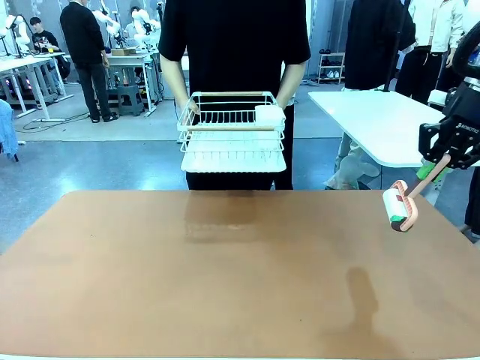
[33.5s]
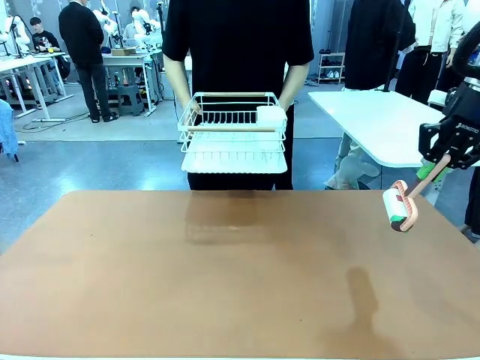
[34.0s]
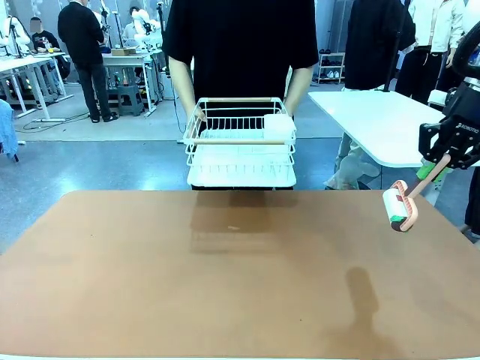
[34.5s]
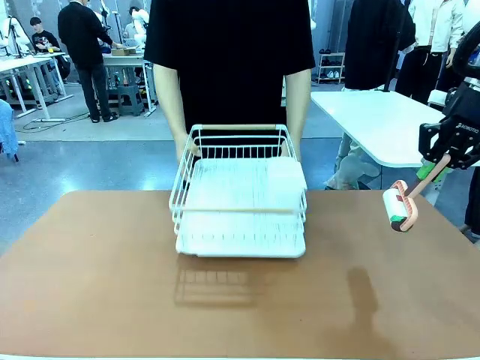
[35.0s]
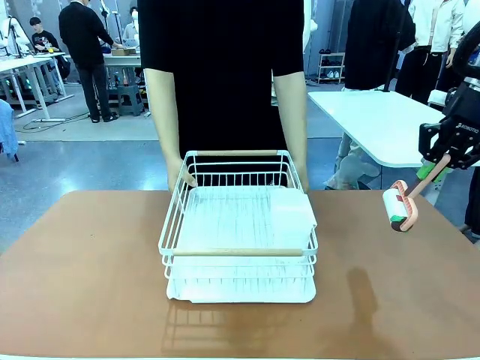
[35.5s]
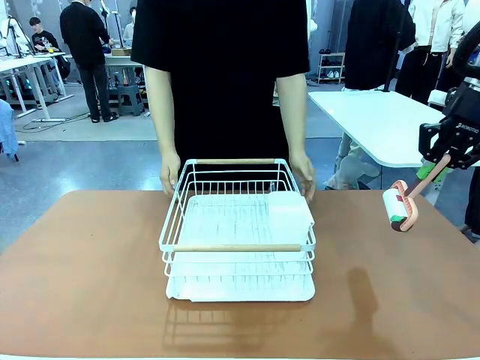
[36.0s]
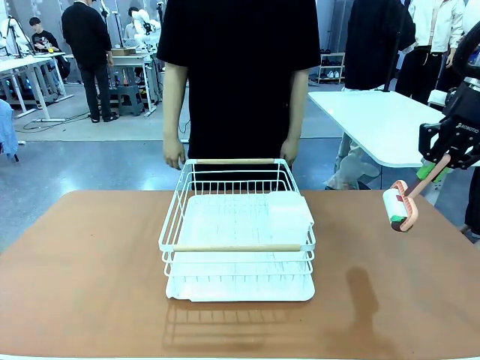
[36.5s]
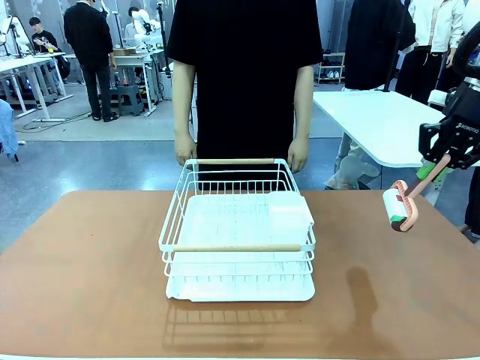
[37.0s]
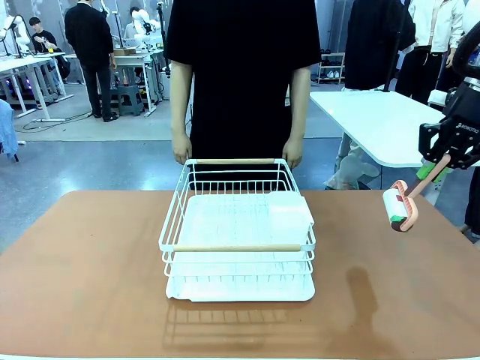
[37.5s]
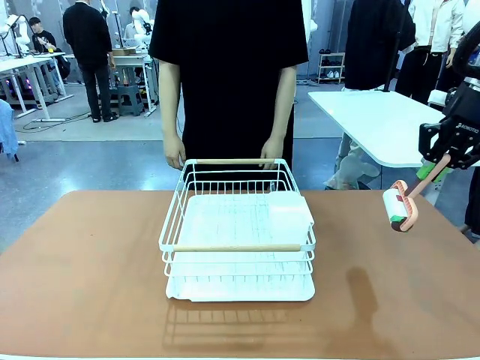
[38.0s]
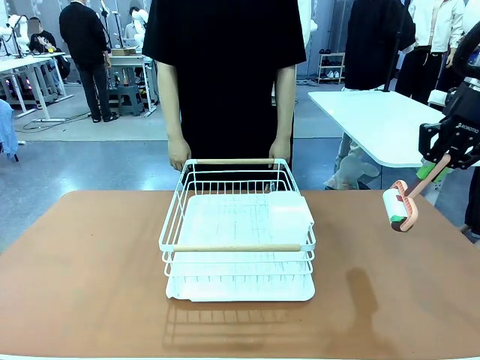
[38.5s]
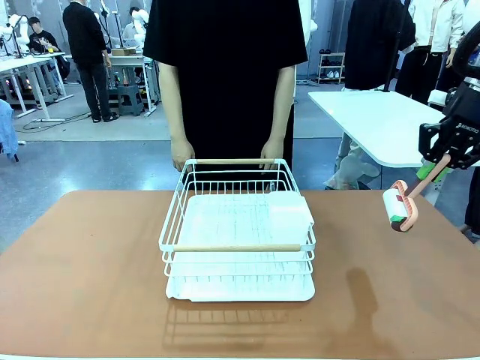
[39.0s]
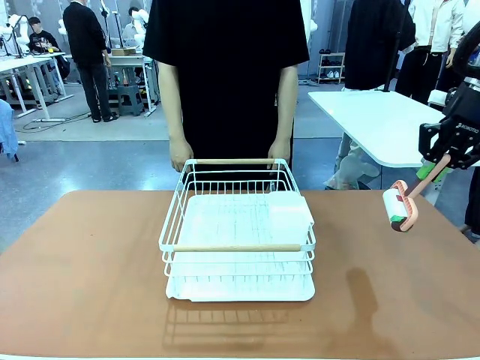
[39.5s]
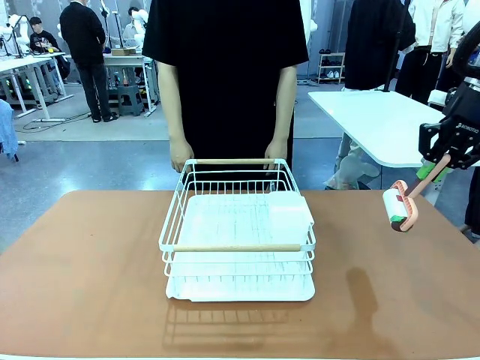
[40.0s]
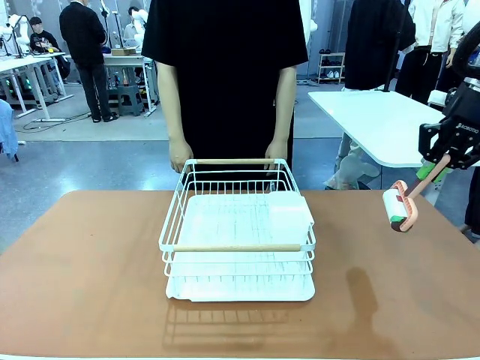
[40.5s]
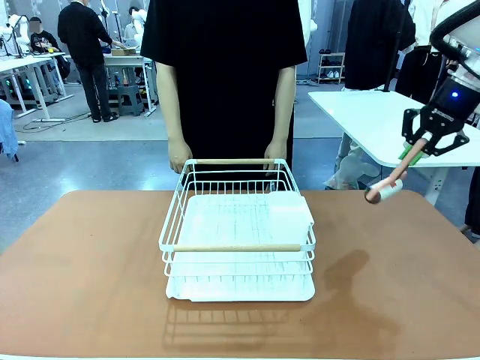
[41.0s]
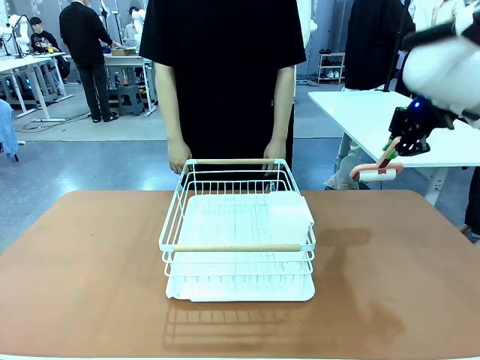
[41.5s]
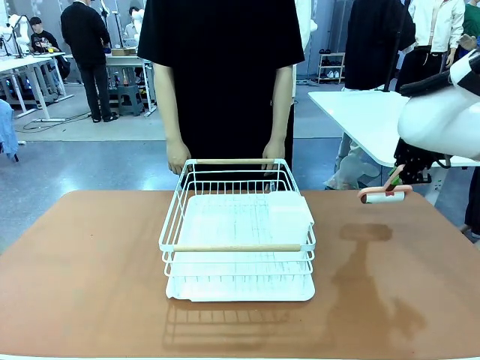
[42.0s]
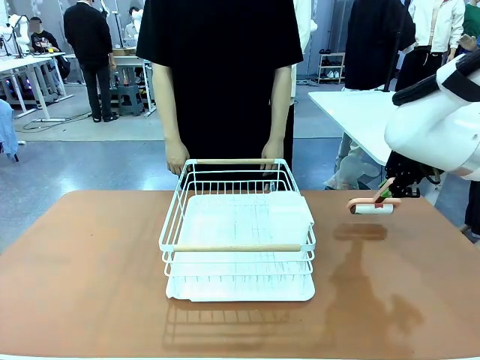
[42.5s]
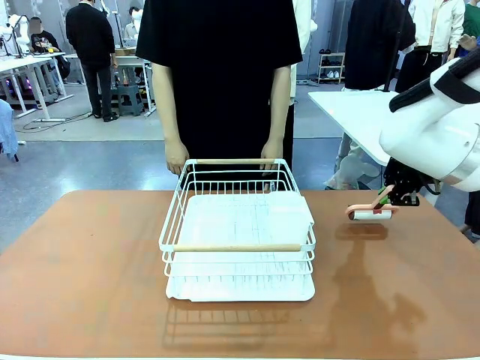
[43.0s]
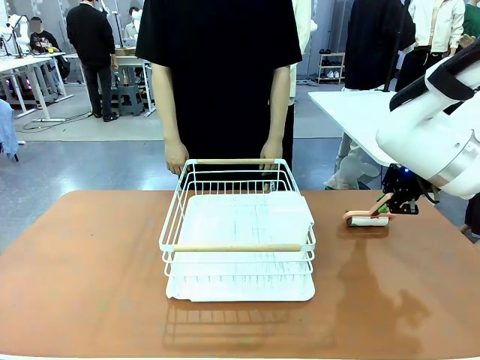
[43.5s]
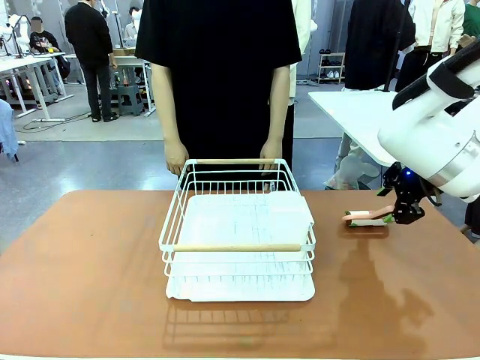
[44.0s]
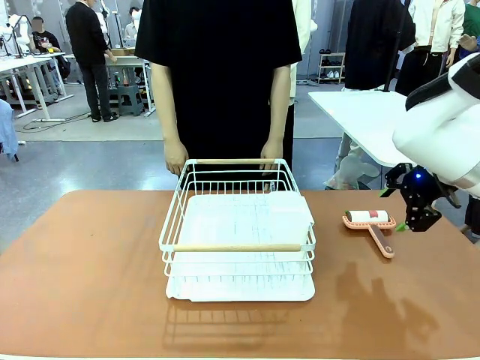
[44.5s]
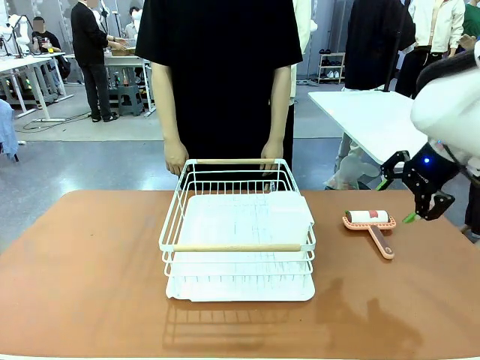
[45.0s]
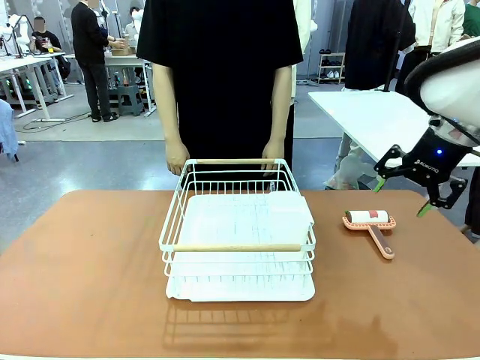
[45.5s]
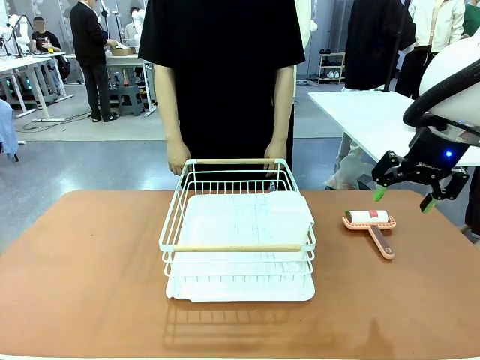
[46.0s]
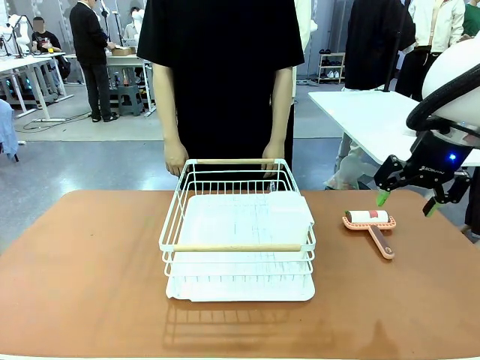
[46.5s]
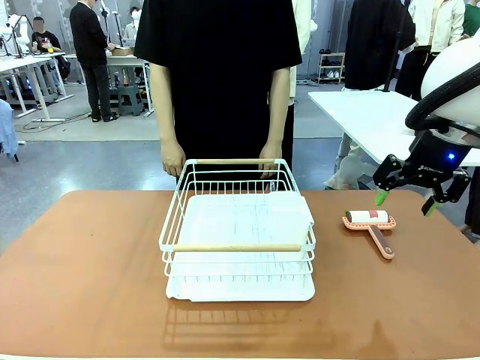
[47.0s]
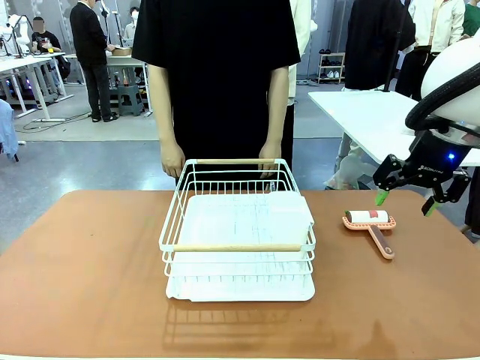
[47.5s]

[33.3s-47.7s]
Task: Clean the table.
Robot: Place the Lint Roller down when the Dish drying rack is positioned in the middle of the table.

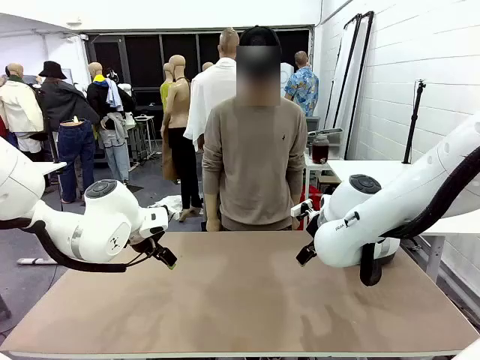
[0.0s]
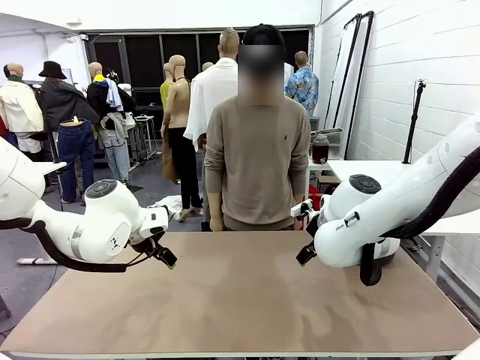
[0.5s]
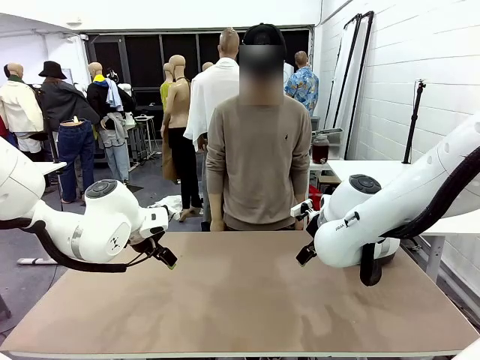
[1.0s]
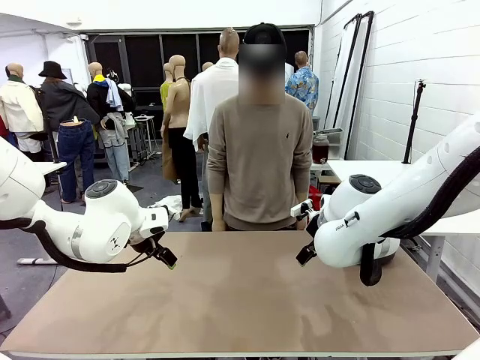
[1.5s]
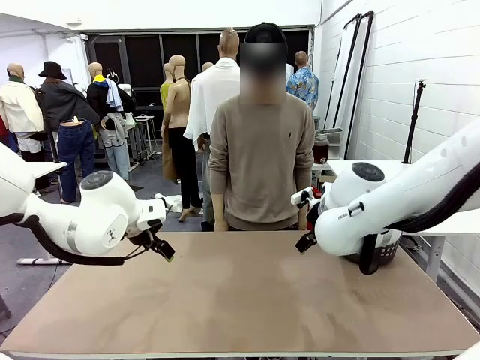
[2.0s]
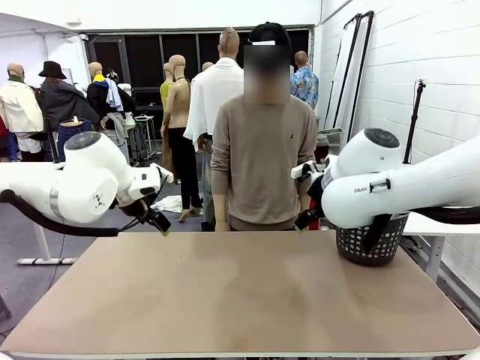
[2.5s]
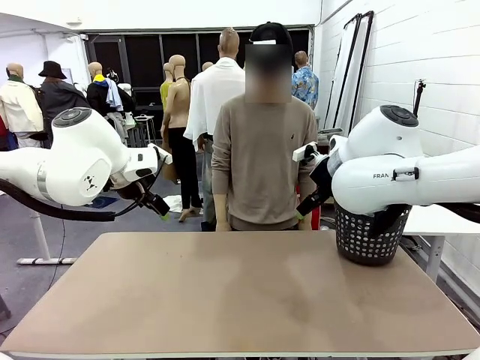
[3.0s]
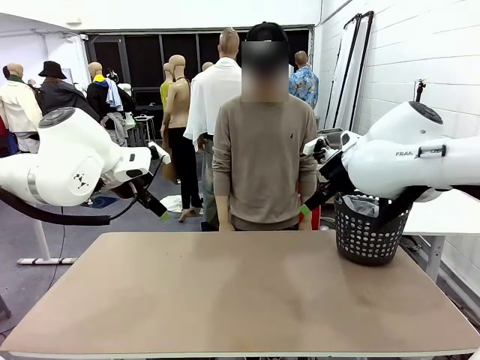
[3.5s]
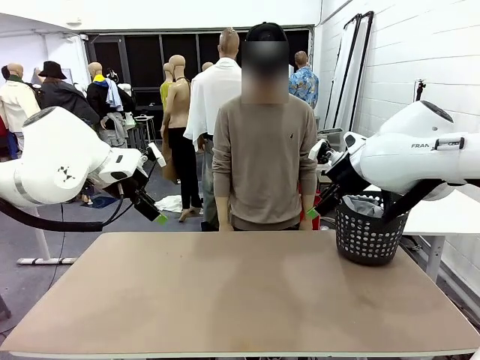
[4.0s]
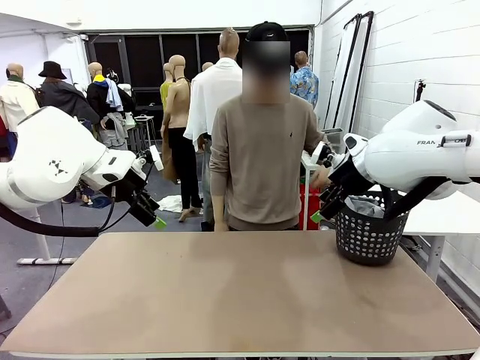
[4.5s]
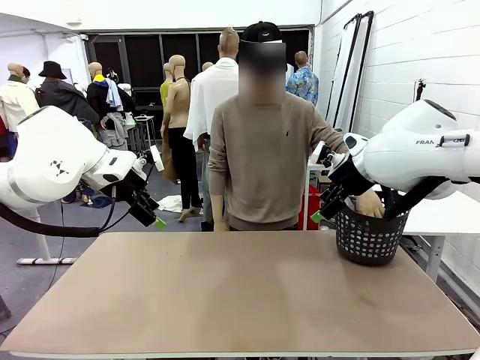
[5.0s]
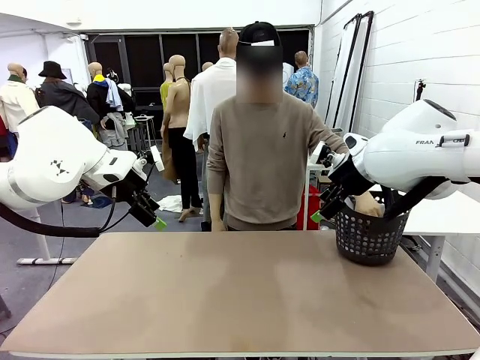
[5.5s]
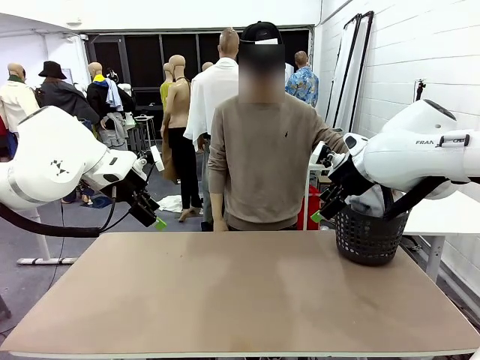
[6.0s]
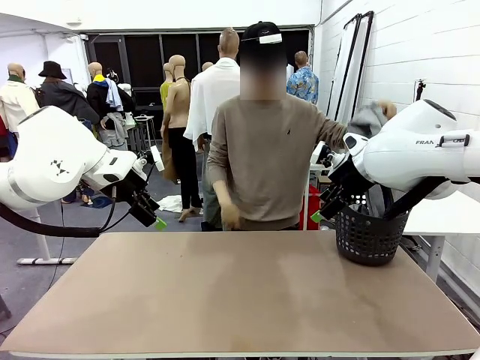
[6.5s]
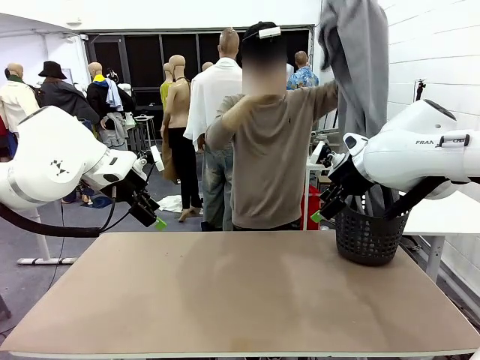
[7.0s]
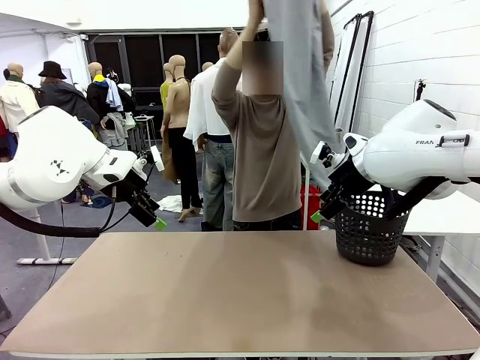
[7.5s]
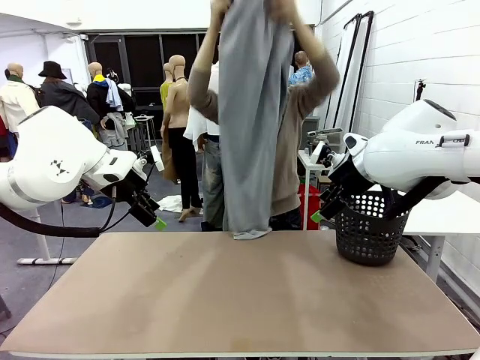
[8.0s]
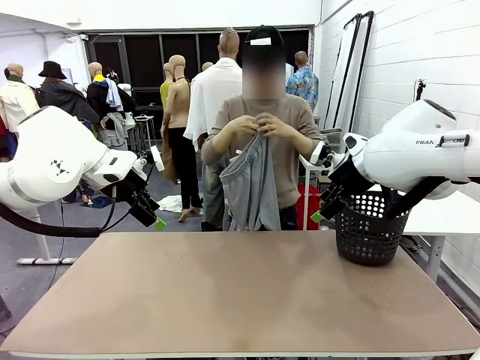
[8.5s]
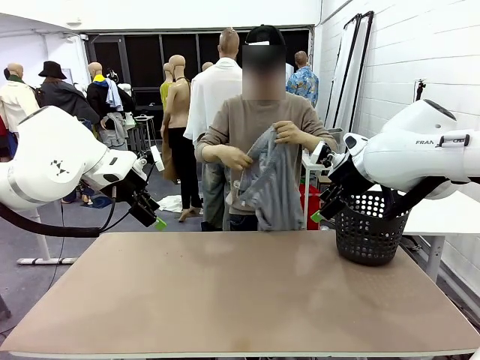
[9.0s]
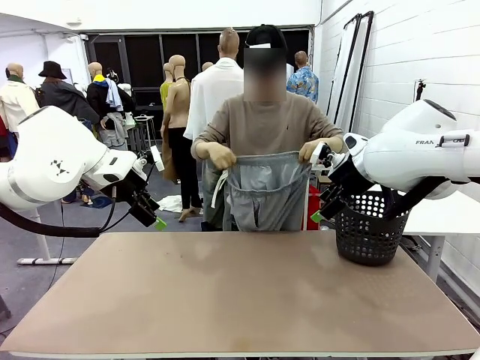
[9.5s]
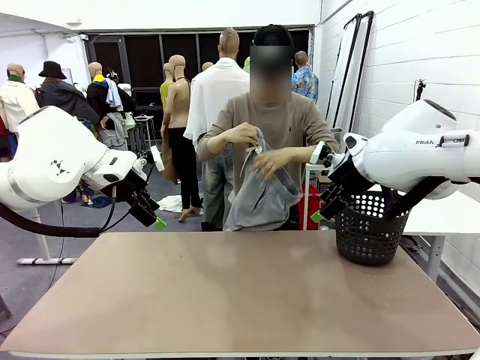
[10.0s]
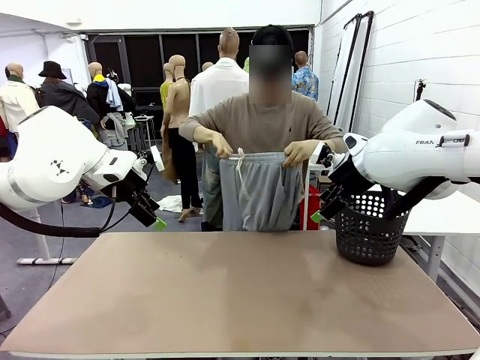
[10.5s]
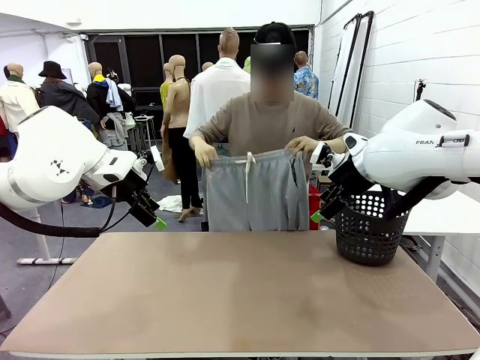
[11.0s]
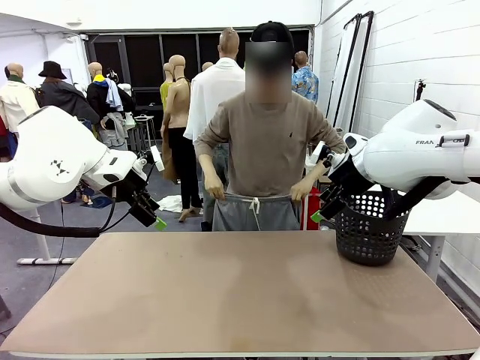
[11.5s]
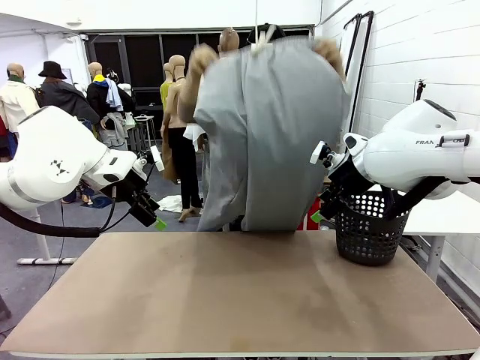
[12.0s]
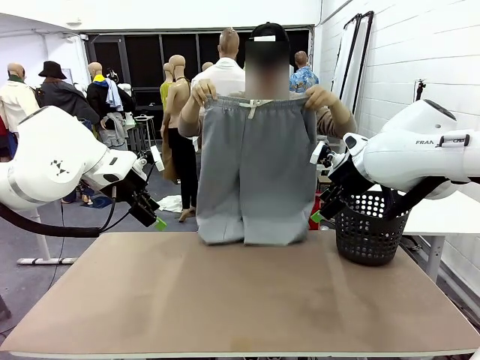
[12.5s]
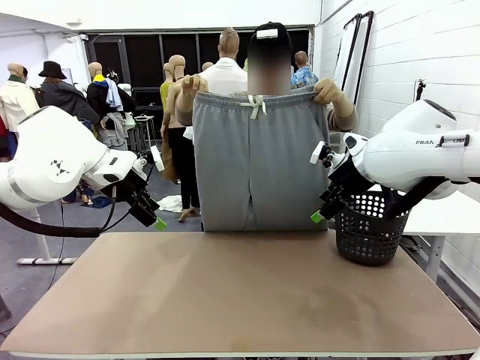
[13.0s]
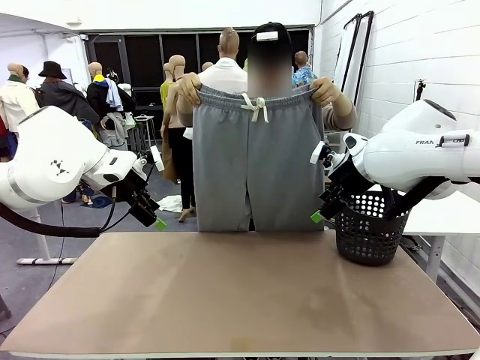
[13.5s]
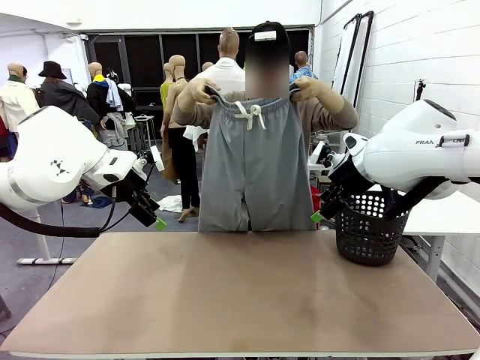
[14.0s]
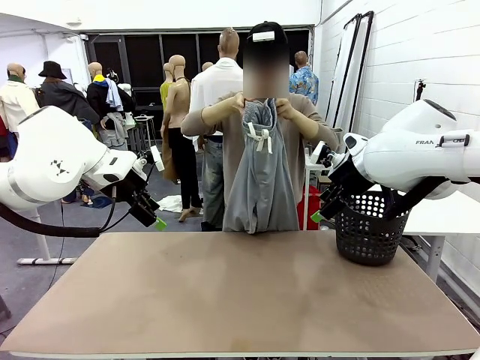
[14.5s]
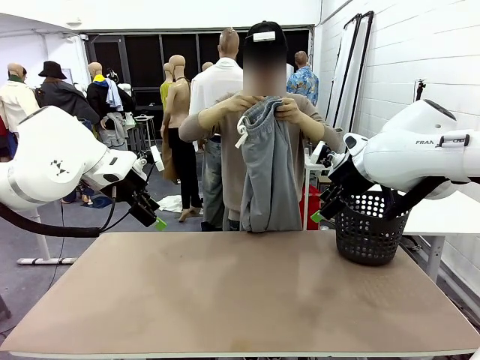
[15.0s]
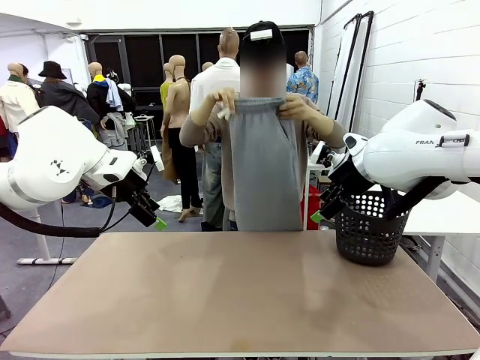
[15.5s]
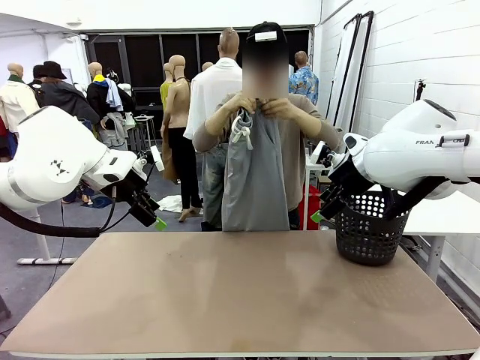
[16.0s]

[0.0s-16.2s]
Task: Fold the training pants.
Robot: Grab both ends of the Training pants handed by a person.
Person: Take the long pants out of the laundry basket, unfold them, fold the waist in half, and extend them so the robot can pick up both corners.
